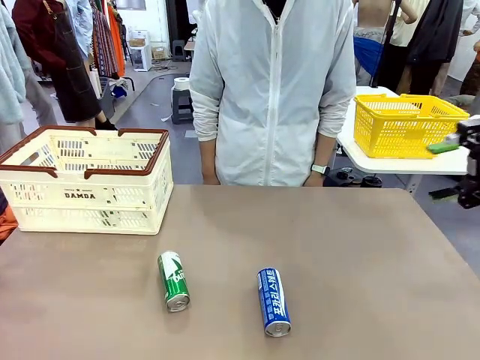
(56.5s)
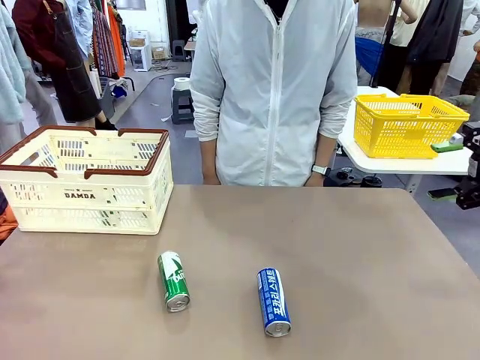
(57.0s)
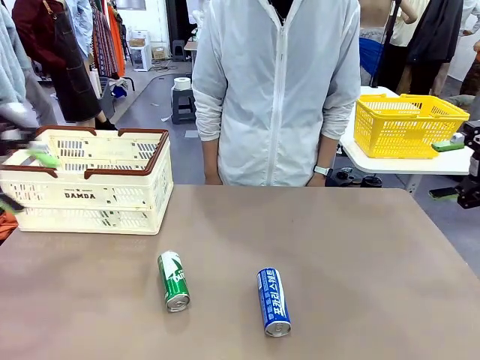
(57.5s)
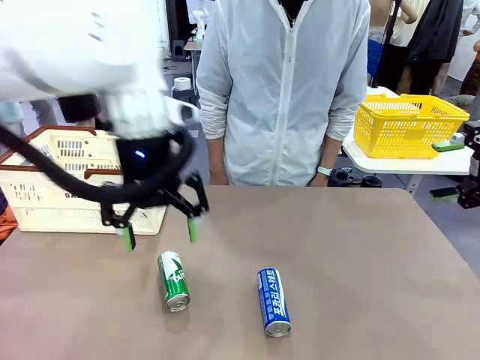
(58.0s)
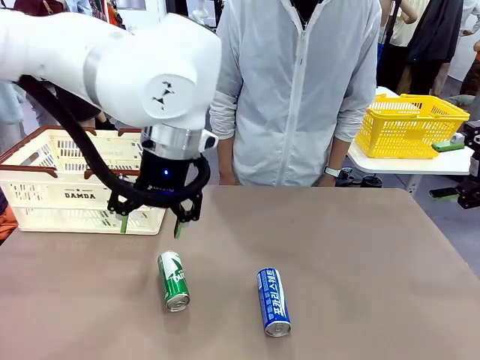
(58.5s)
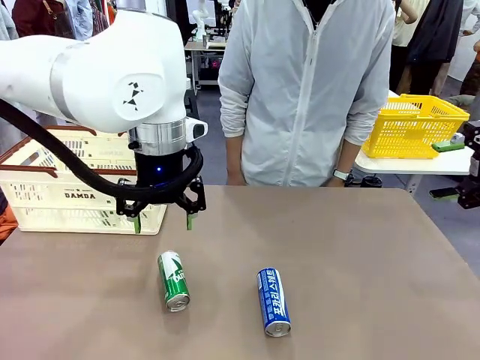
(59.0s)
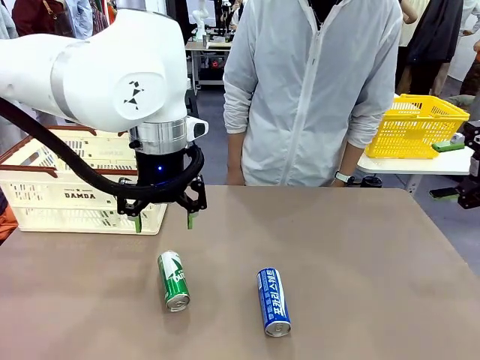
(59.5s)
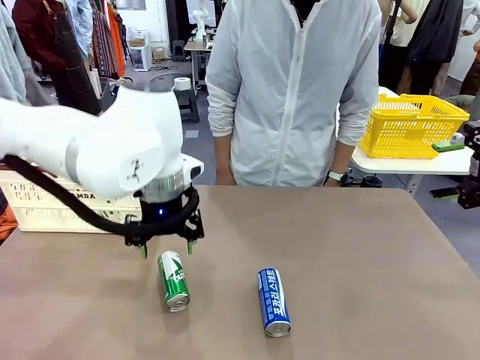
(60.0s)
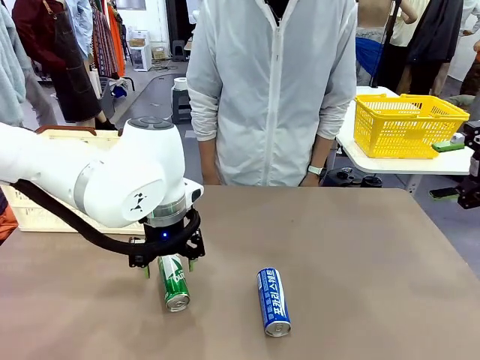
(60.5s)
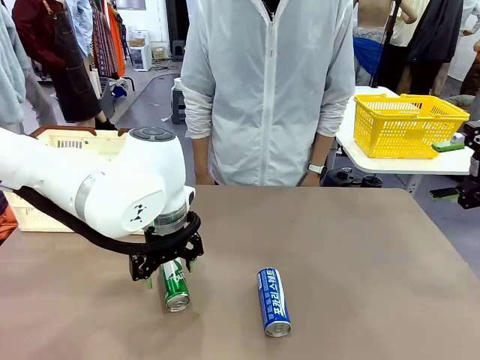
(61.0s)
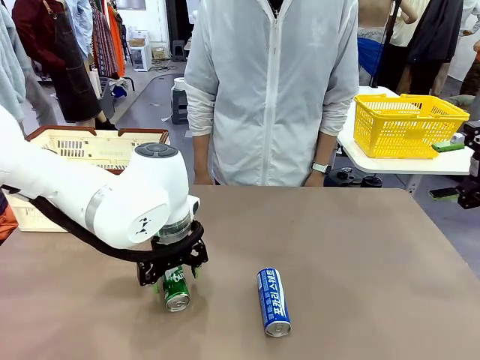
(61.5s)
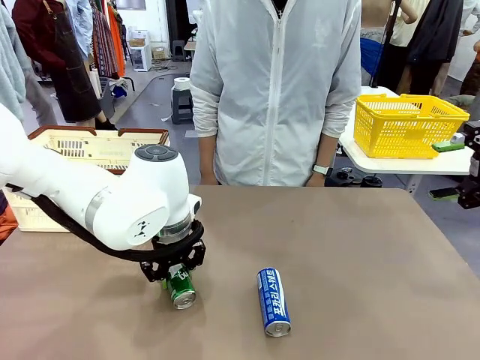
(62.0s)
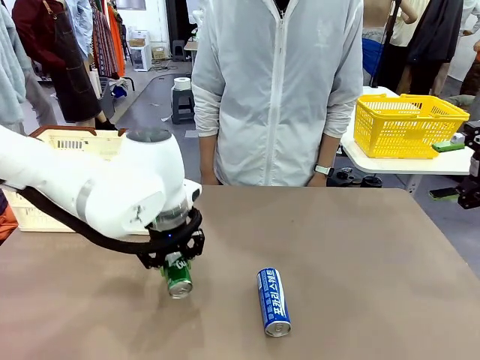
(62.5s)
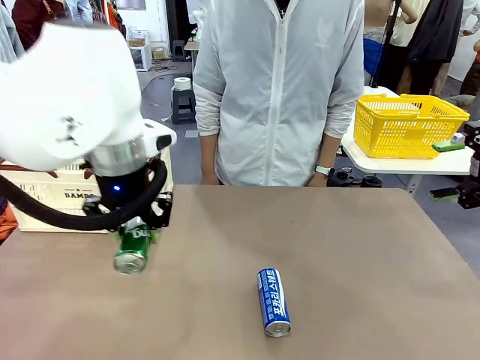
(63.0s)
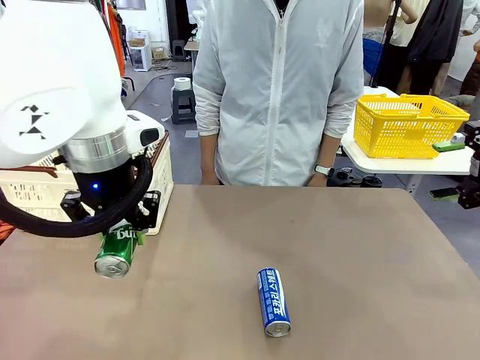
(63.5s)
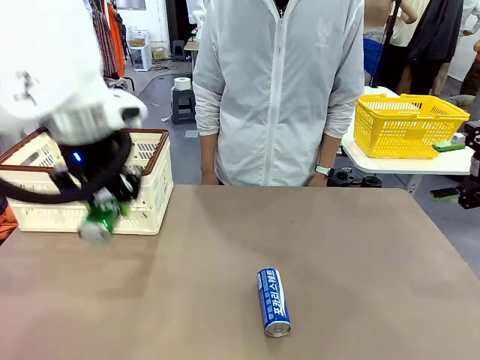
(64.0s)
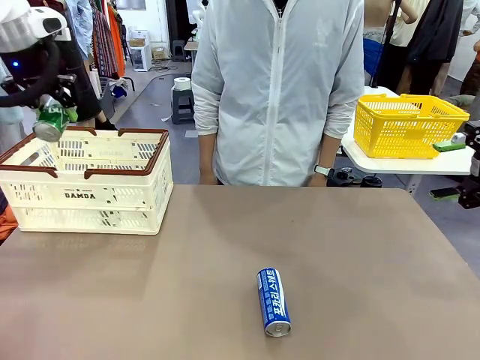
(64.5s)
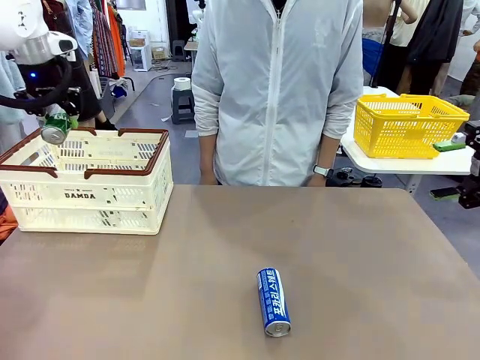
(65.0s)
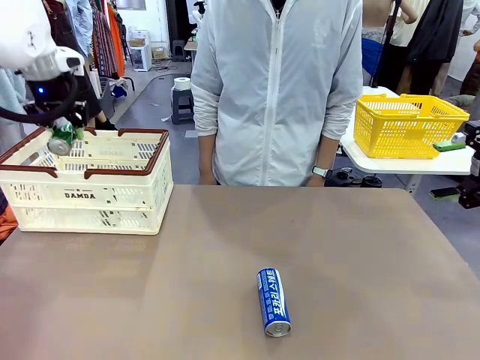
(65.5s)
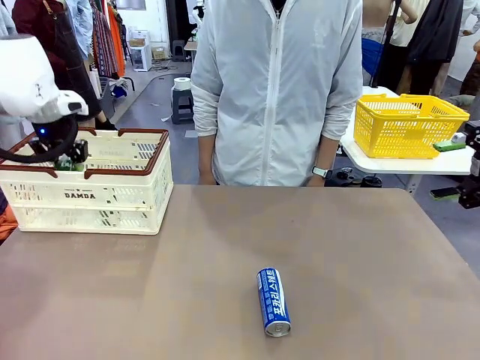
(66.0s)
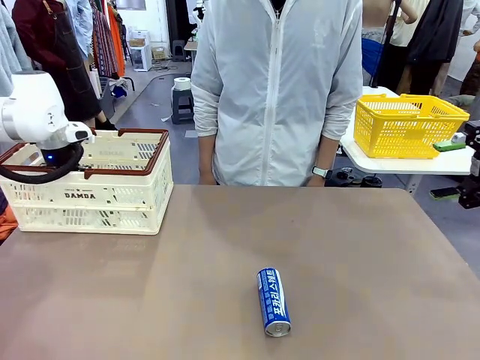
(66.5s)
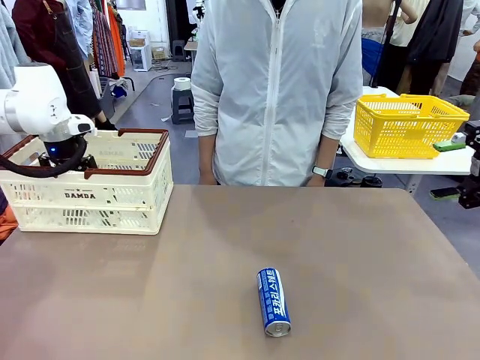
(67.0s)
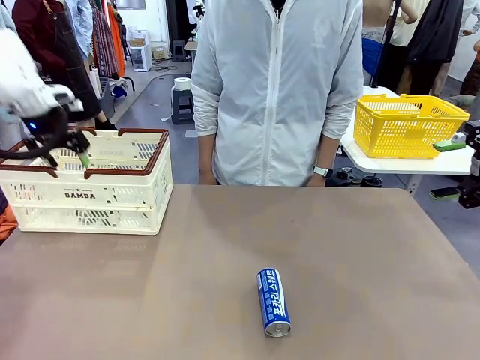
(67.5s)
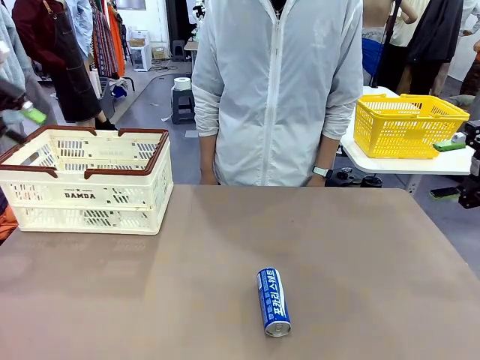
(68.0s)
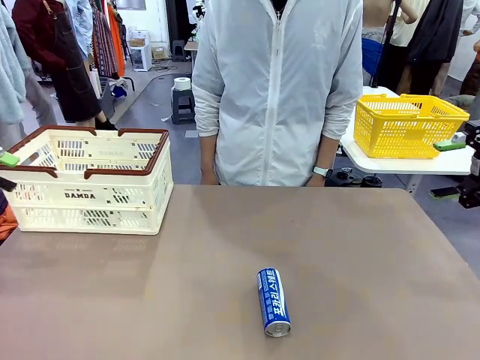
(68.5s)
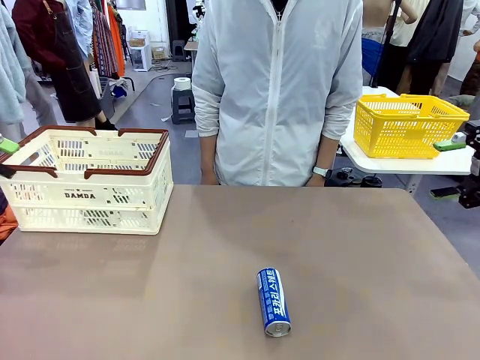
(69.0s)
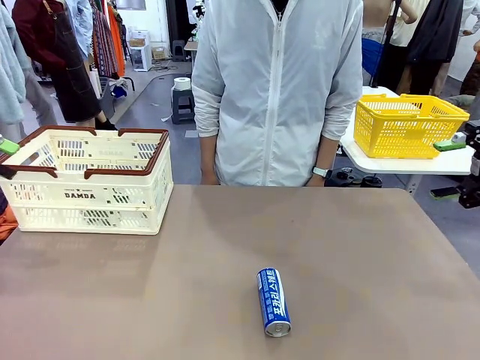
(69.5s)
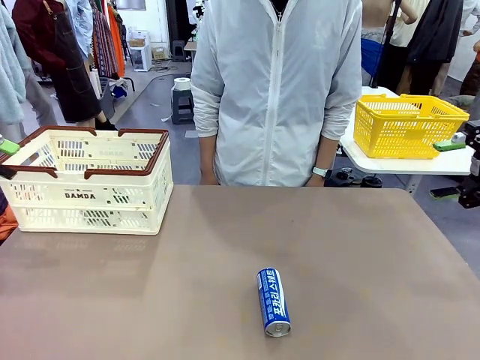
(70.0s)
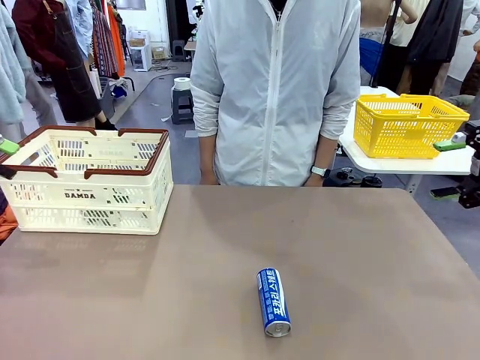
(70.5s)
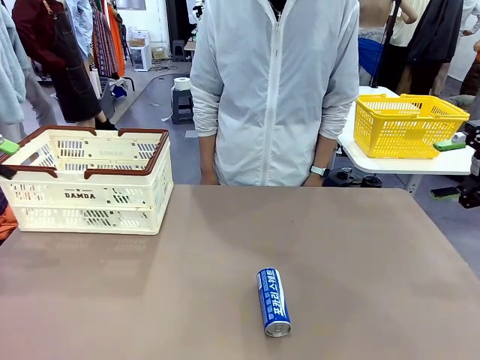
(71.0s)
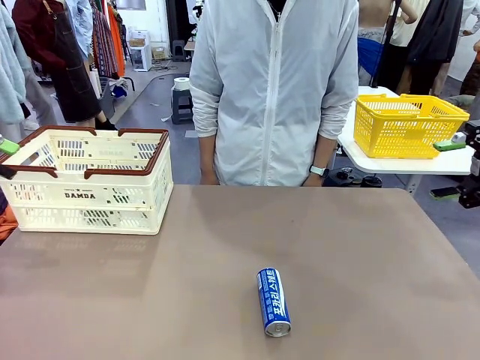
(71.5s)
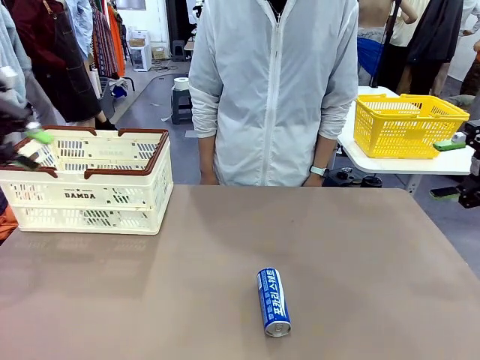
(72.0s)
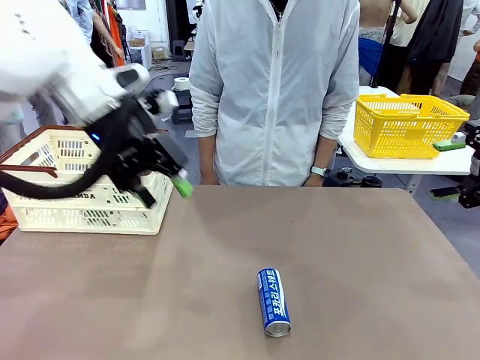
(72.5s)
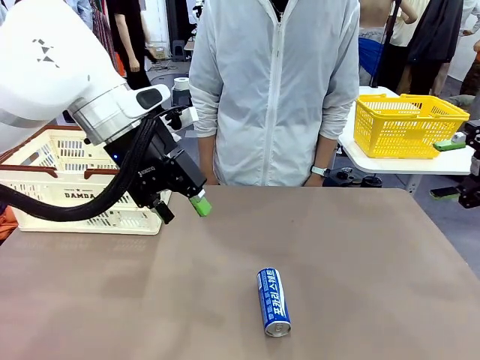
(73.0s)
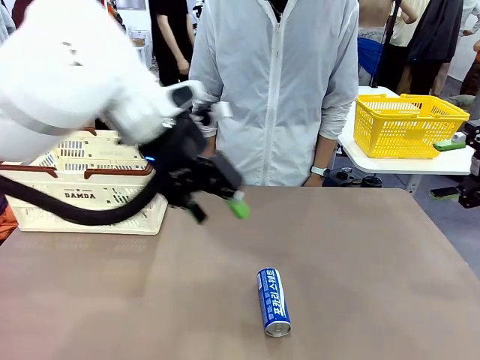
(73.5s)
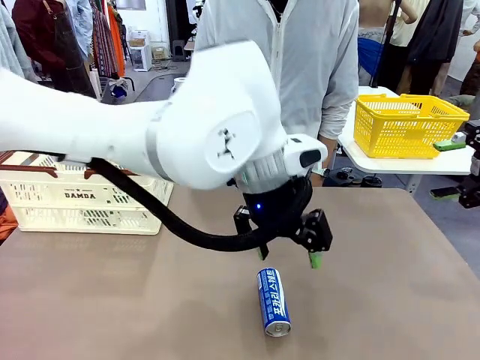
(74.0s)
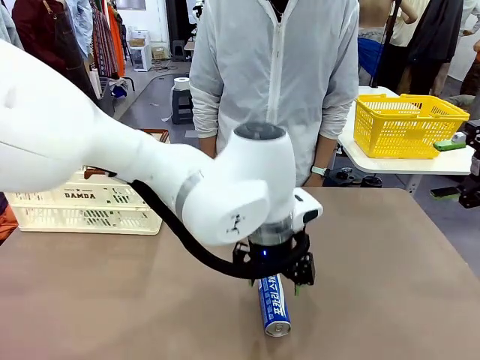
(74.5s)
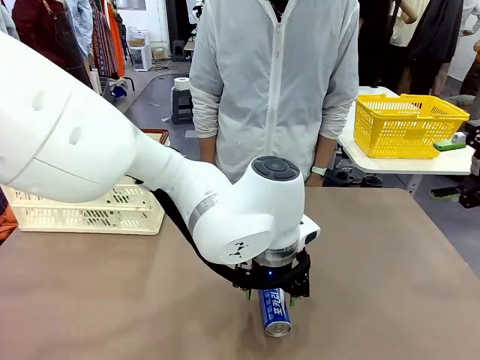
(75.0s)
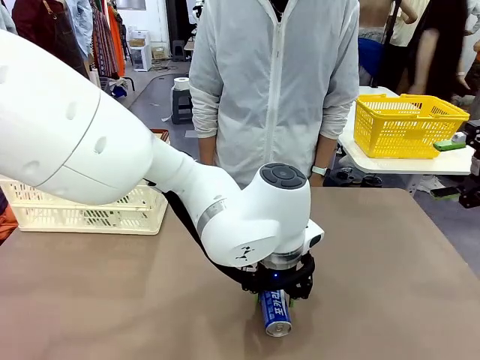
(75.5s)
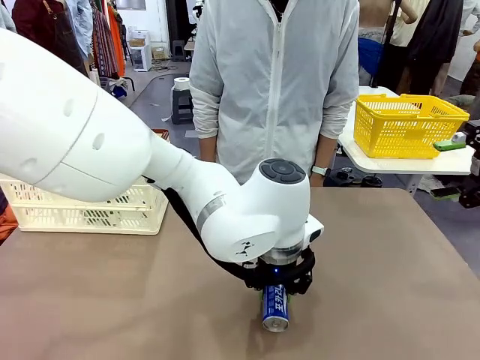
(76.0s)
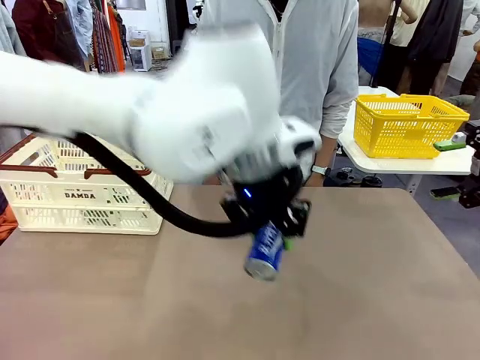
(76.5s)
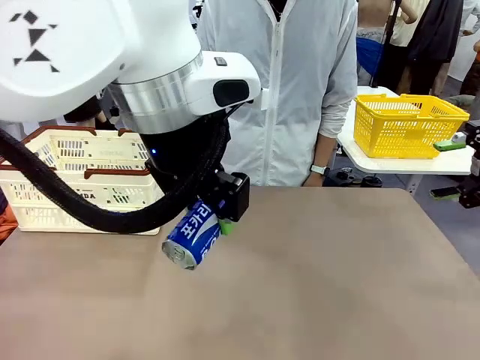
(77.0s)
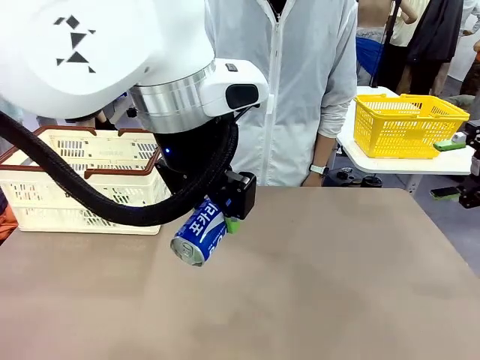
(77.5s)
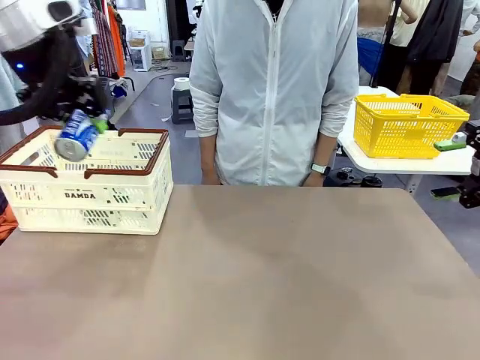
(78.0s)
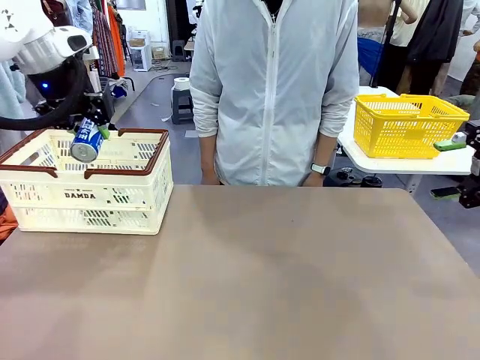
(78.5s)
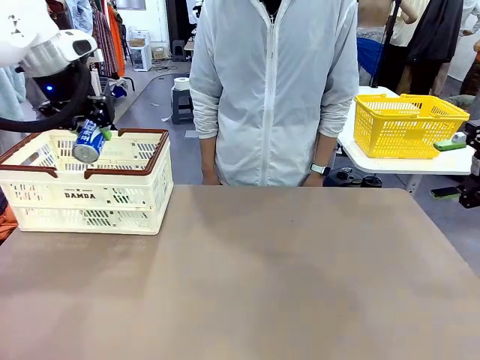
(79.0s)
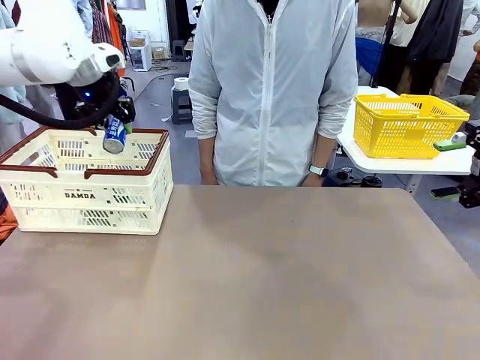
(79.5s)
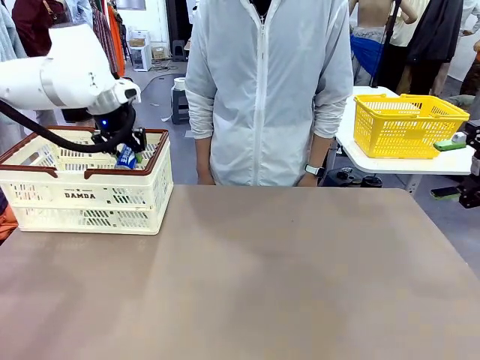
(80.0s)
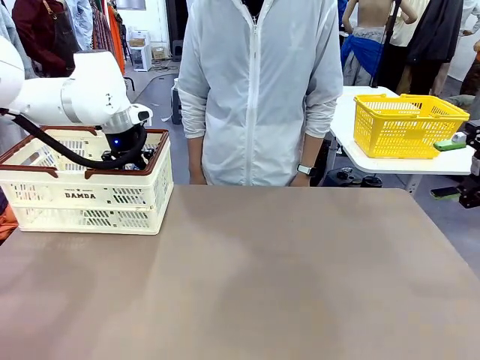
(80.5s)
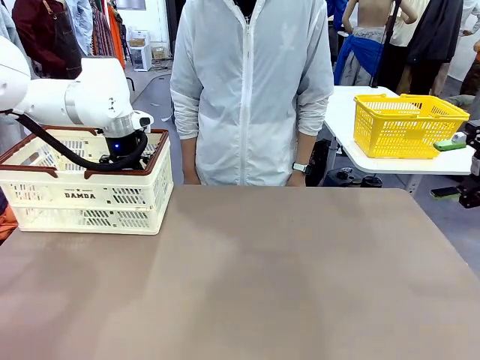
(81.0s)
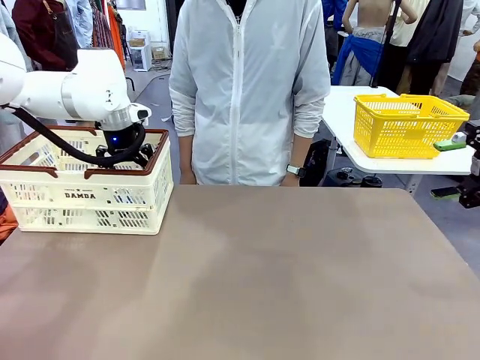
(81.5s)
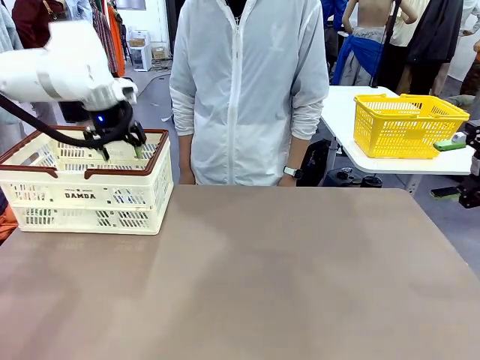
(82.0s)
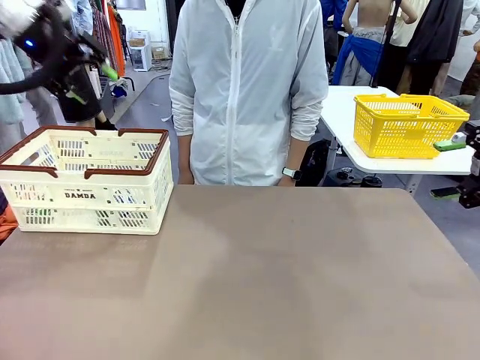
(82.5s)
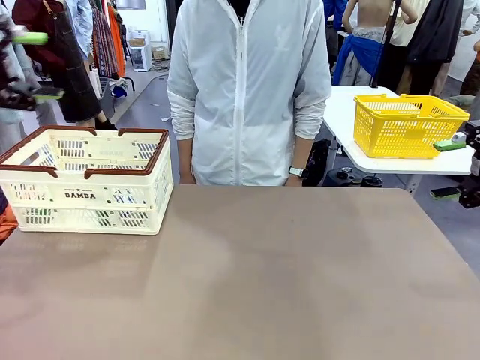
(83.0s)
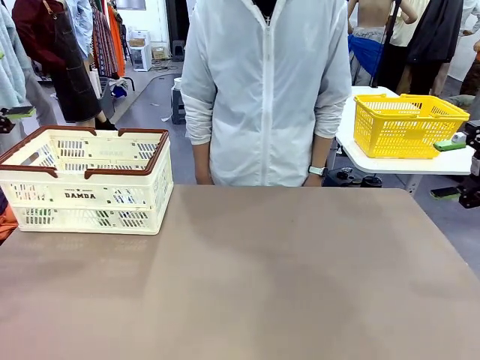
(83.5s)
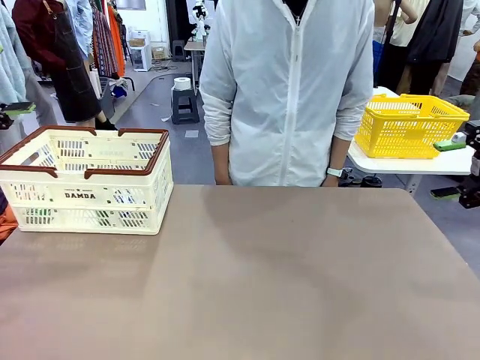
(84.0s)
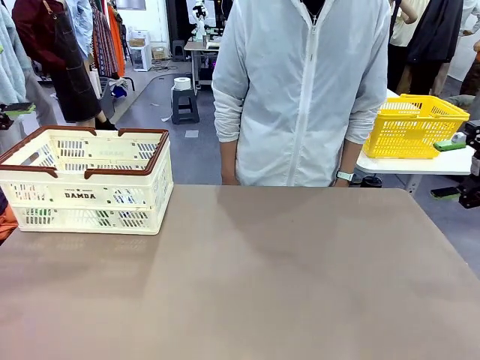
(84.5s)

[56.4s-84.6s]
Task: Place the drinks into the Shopping basket.
Robot: Pick up one drink and place it into the Shopping basket.
